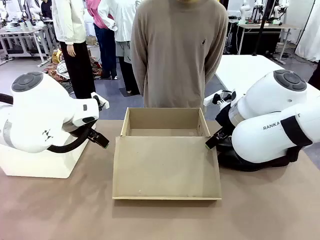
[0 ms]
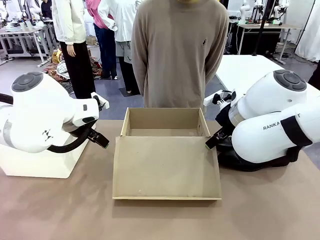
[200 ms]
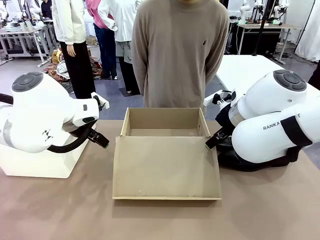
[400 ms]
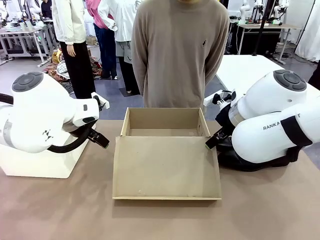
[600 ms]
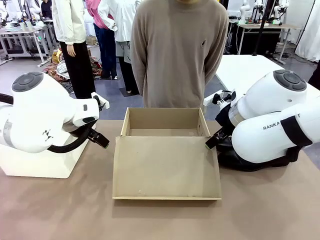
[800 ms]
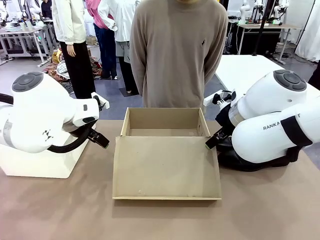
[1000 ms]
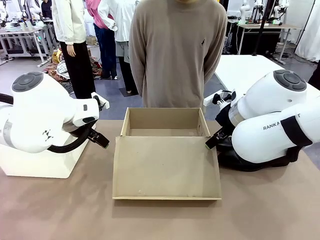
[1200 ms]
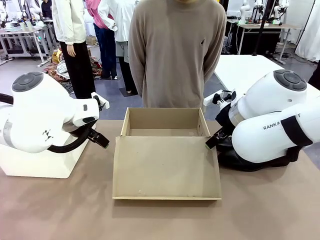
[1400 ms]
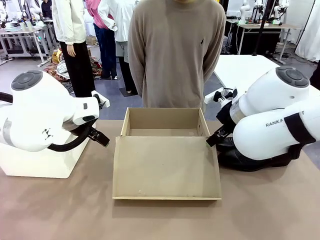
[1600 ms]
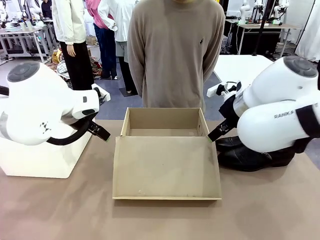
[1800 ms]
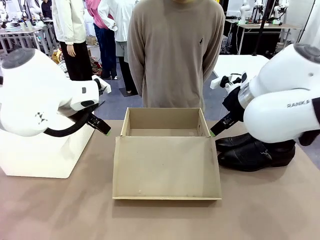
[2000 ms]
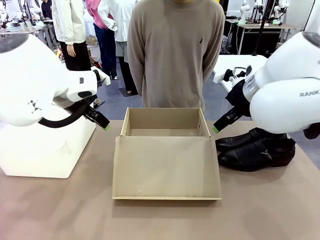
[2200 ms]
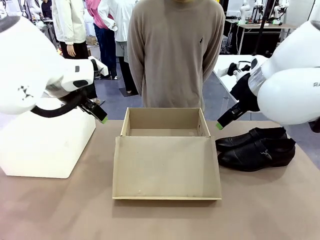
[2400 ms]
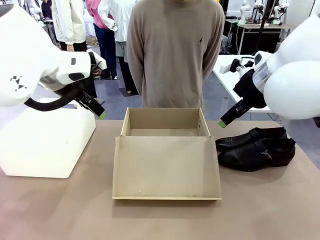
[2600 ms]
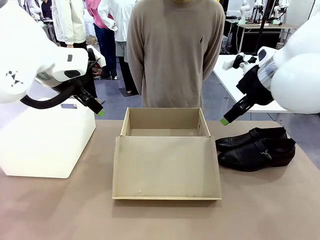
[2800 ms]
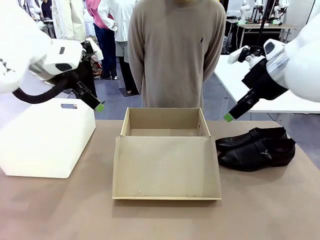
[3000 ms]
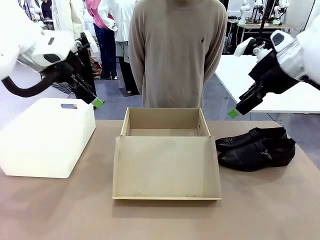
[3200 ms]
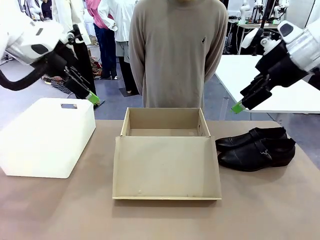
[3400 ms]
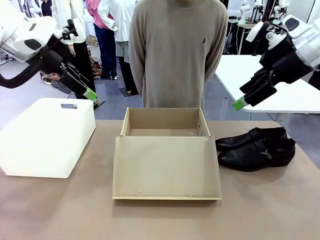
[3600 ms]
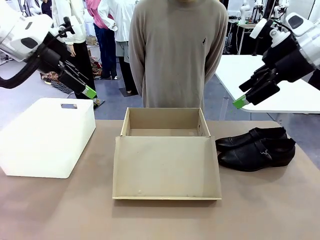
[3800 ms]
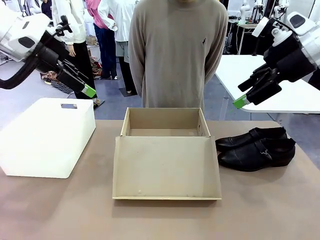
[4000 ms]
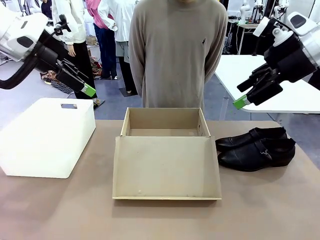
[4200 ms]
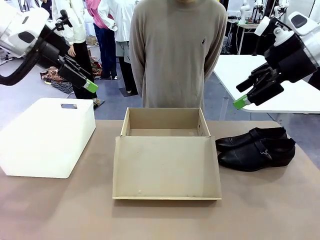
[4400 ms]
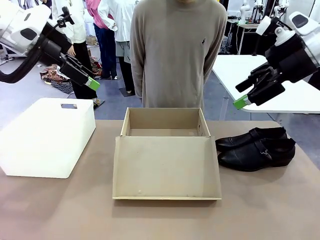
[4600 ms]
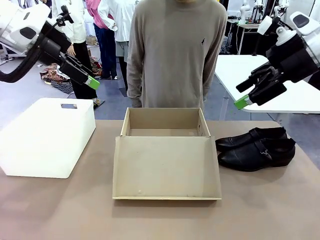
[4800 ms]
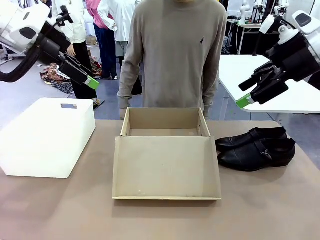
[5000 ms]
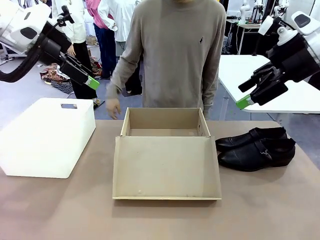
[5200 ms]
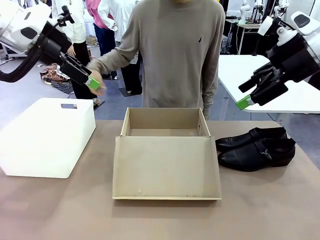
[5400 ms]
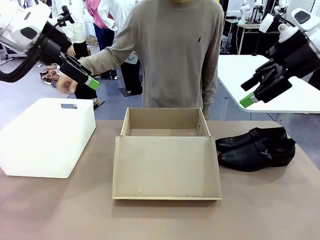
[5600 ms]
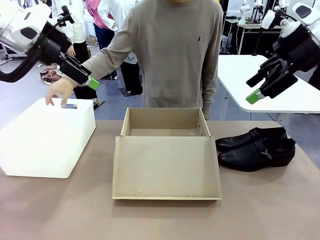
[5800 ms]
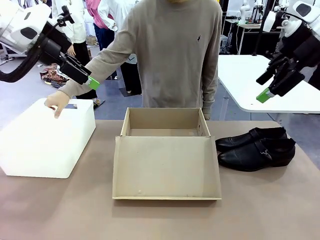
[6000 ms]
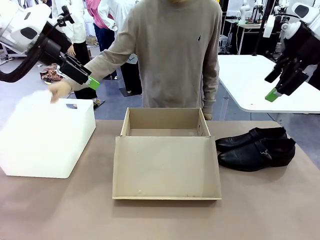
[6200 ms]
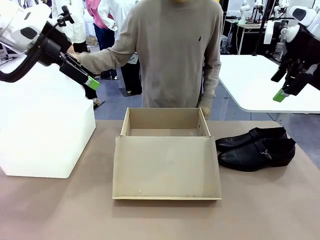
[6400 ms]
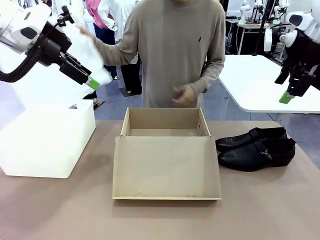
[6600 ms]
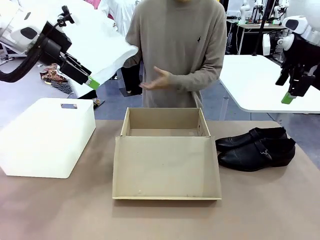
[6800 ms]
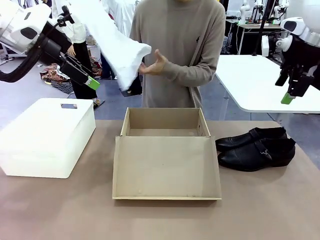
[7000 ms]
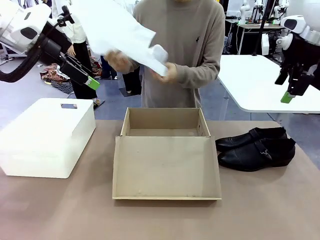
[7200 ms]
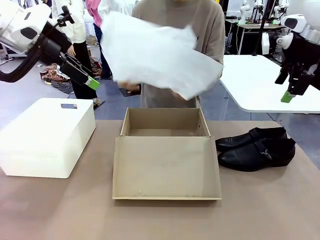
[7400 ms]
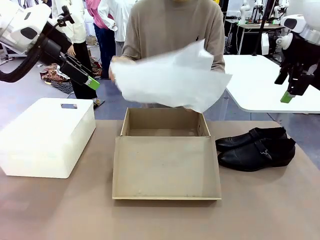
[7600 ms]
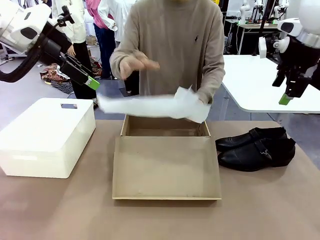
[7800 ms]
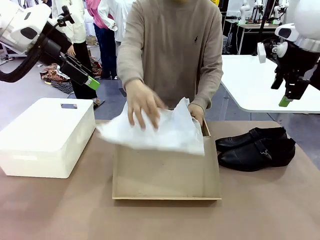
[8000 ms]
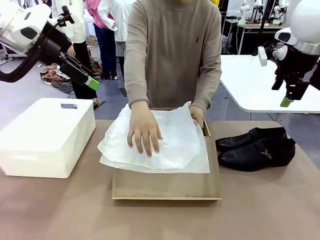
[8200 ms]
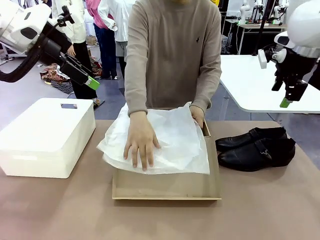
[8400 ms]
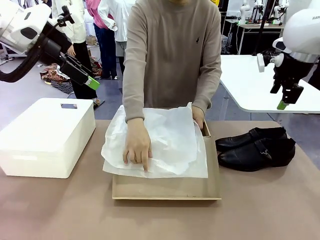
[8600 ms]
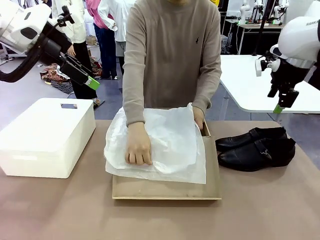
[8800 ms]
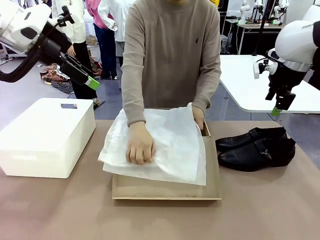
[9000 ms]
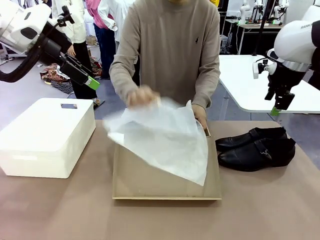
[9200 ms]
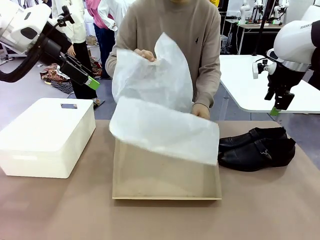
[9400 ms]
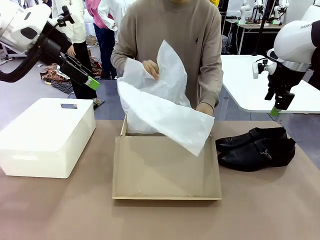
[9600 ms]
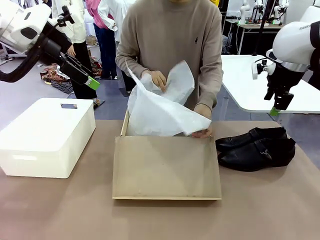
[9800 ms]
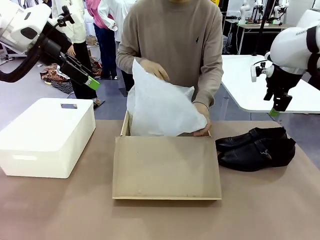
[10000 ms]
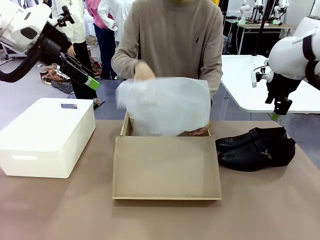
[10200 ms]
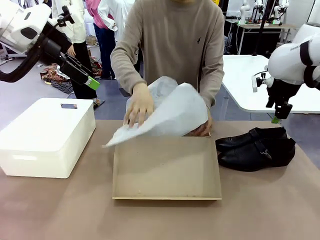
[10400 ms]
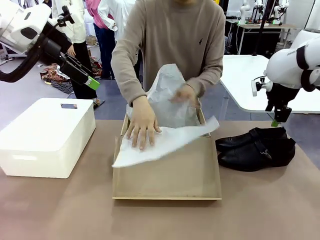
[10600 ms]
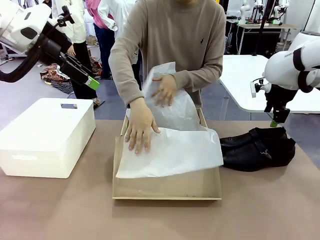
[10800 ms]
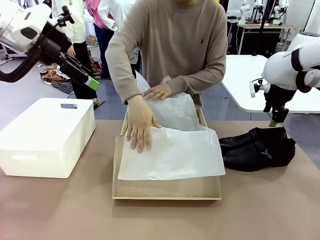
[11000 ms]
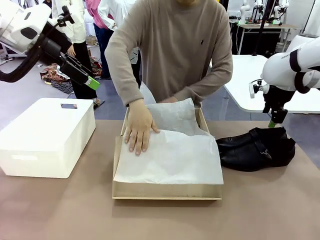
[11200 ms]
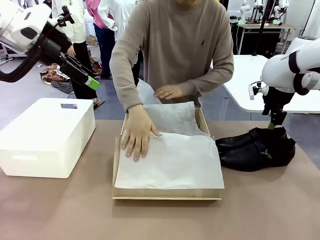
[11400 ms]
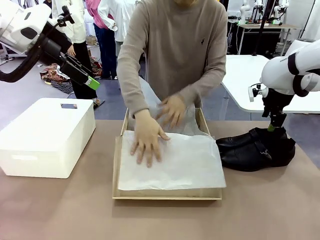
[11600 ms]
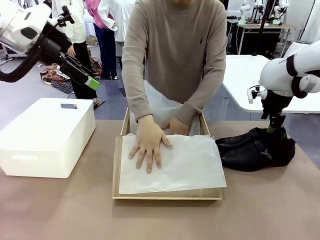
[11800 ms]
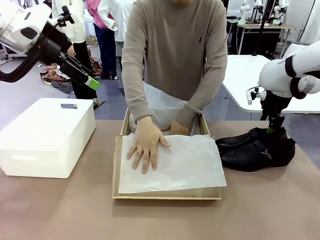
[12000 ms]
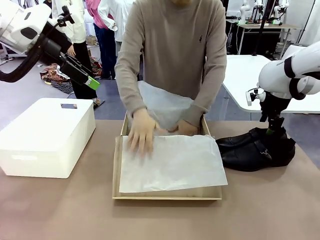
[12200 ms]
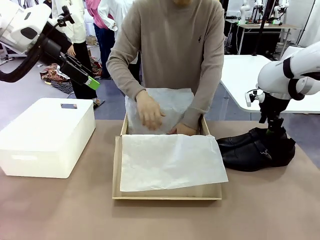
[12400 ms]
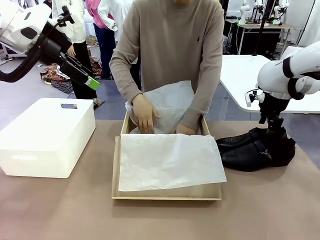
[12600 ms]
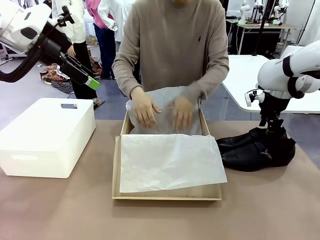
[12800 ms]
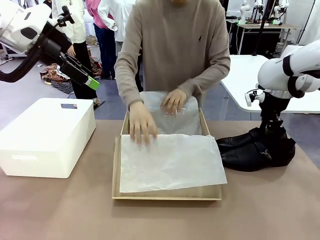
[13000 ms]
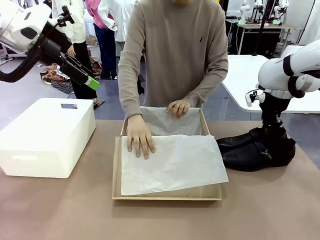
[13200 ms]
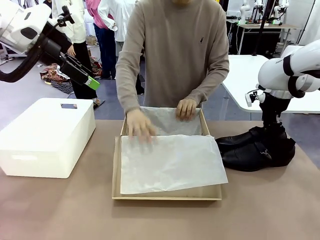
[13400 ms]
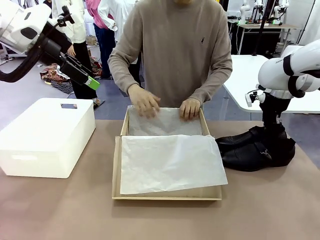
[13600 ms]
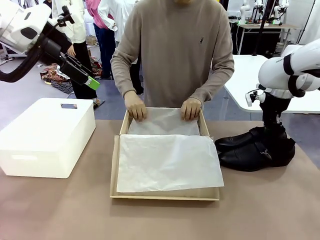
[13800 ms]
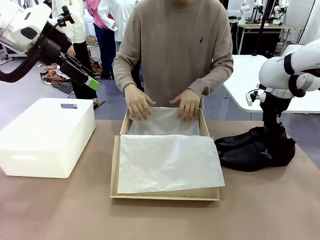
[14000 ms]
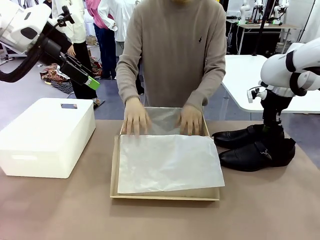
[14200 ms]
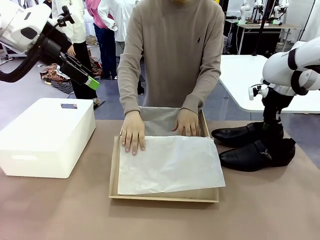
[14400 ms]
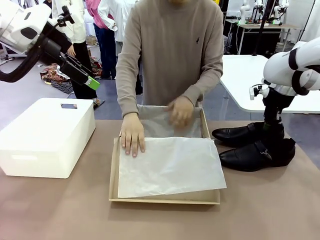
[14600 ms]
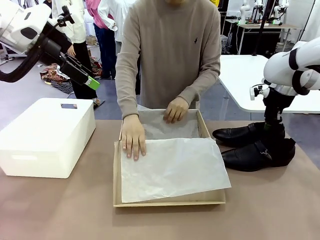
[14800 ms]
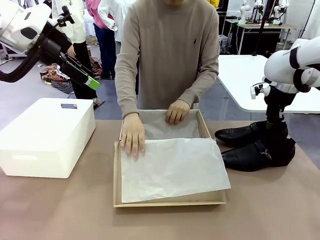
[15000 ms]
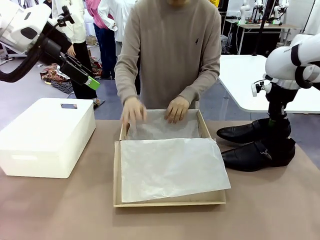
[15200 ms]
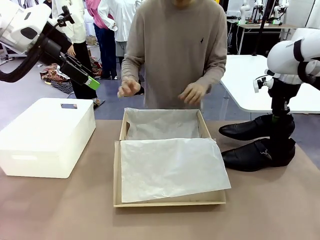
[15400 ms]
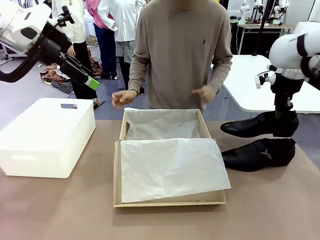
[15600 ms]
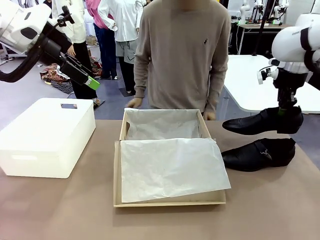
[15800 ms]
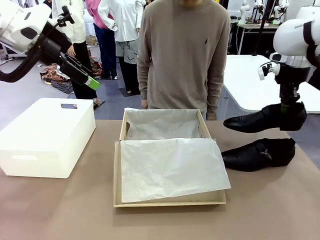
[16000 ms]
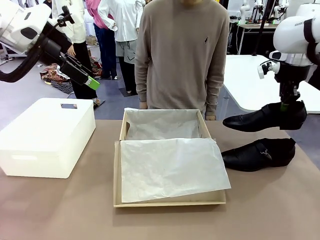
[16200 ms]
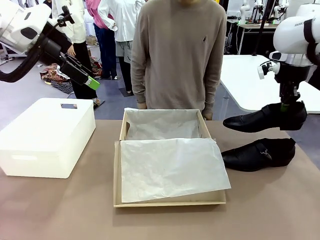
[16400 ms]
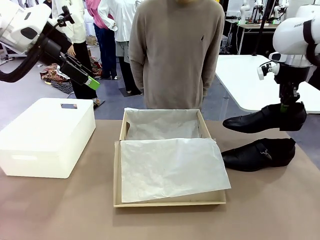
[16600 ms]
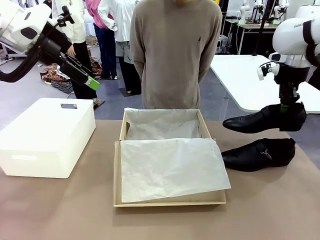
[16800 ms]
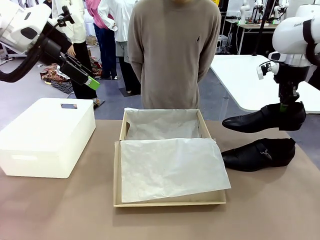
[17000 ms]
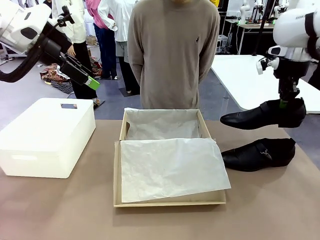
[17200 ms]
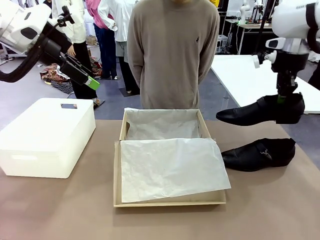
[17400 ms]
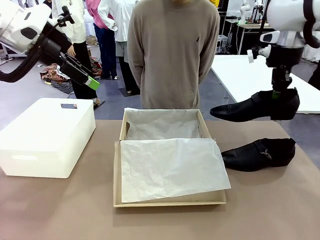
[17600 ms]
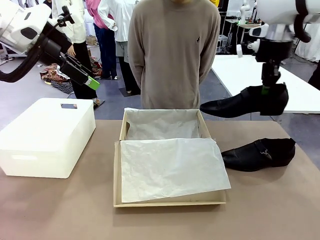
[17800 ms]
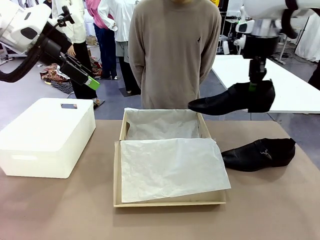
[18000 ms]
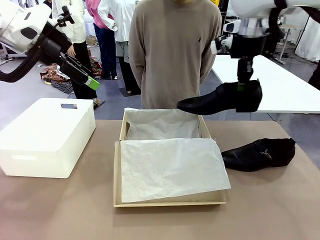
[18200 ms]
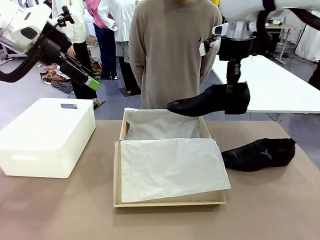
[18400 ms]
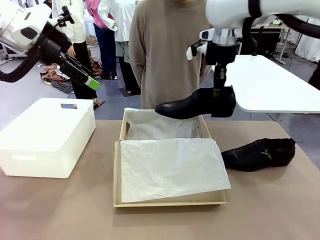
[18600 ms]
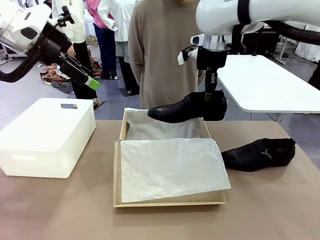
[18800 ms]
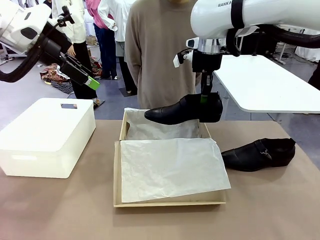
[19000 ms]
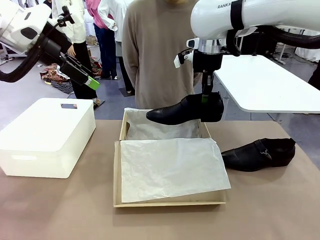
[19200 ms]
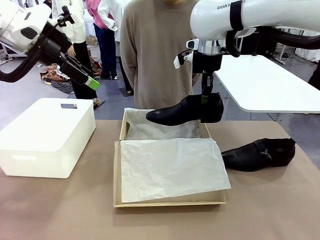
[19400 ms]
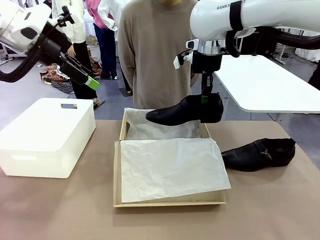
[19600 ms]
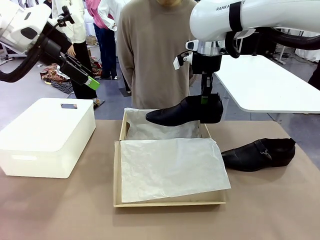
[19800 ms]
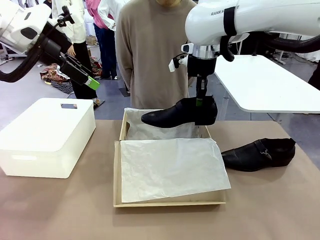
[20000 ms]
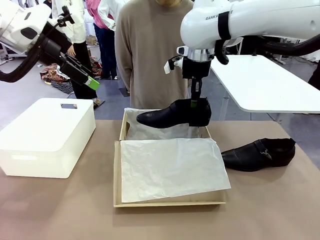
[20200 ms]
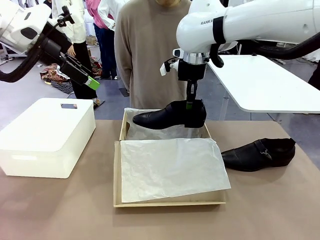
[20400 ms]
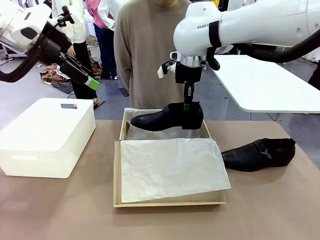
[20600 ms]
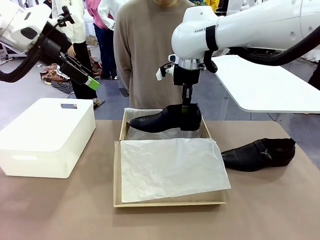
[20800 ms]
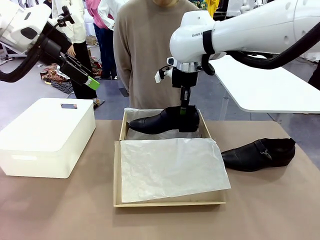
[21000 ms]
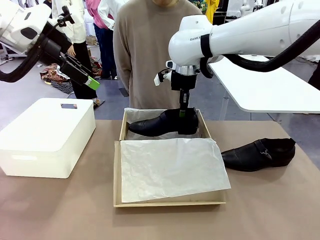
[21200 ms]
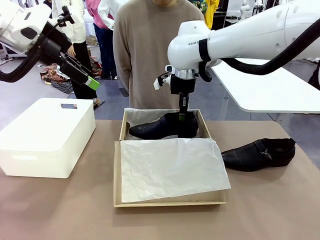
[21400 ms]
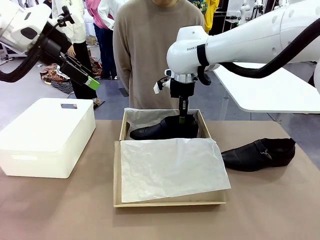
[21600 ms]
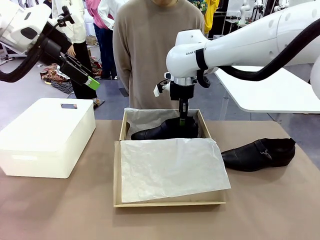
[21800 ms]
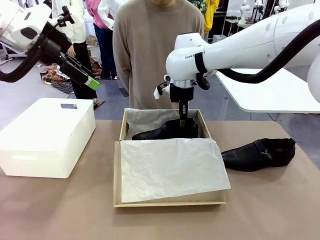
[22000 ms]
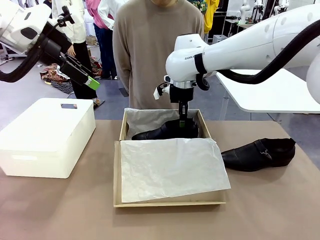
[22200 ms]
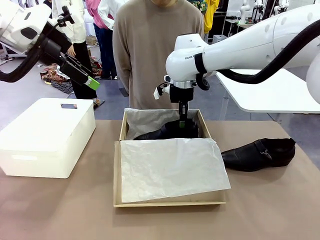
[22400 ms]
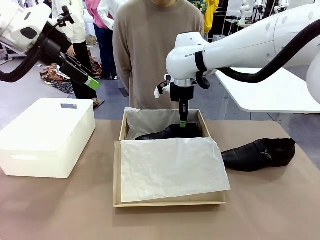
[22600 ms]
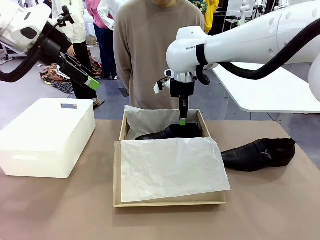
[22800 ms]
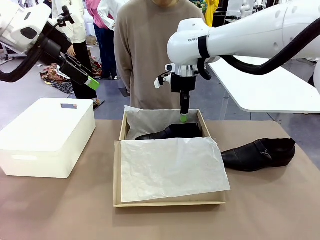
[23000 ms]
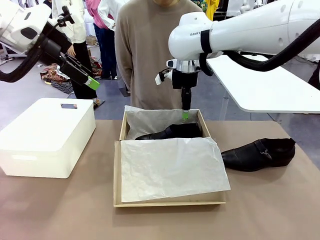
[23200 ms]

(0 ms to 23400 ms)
Task: Pack the shoes into the box.
Robot: Place one shoe of the Shoes into the Shoes Box.
Person: Spread Shoes Wrapping Paper and place inside the Shoes Box.
